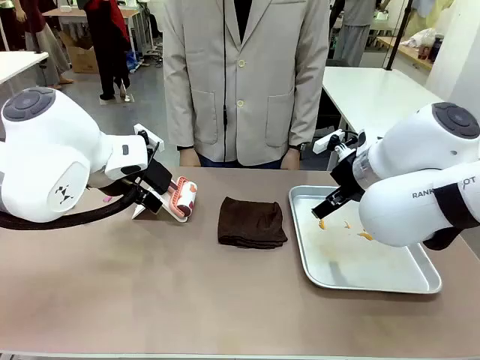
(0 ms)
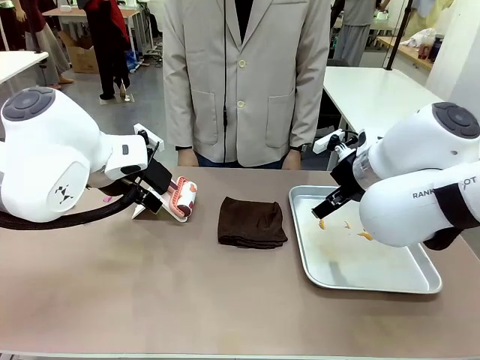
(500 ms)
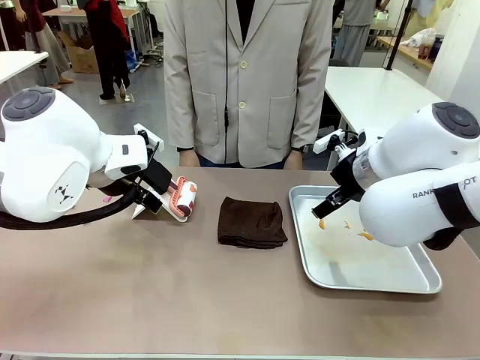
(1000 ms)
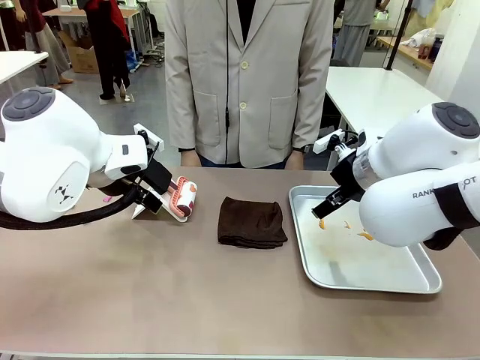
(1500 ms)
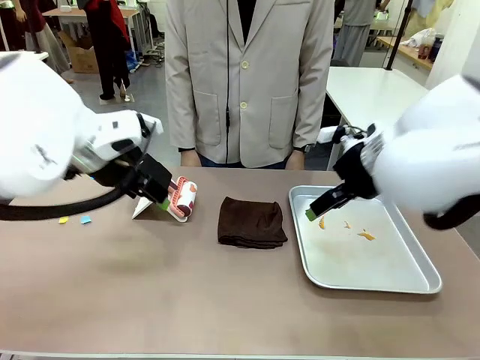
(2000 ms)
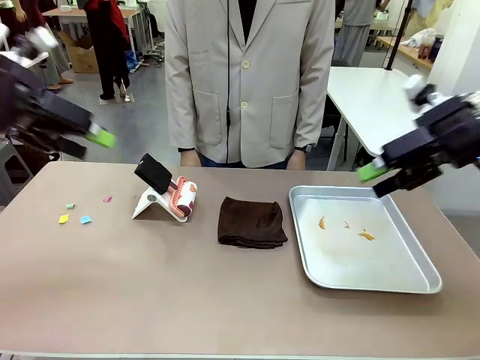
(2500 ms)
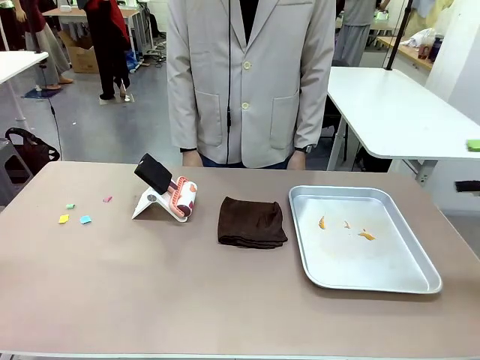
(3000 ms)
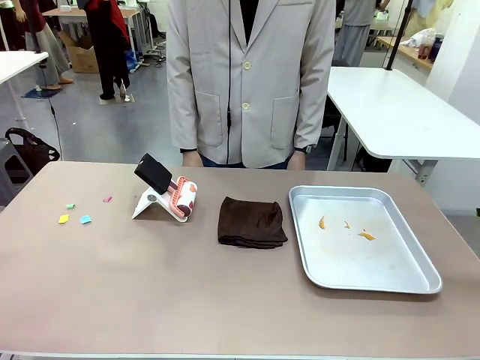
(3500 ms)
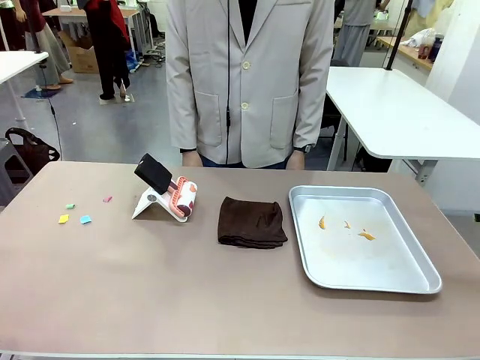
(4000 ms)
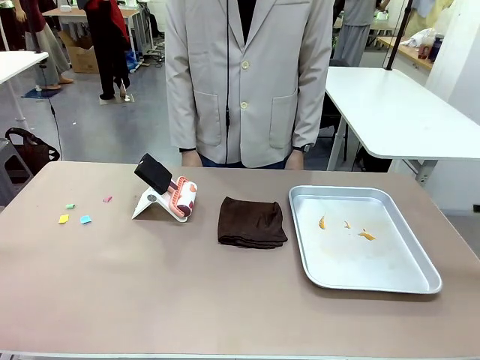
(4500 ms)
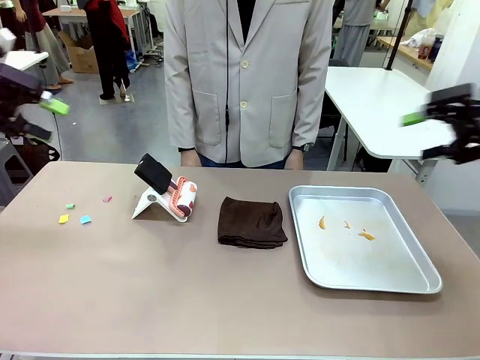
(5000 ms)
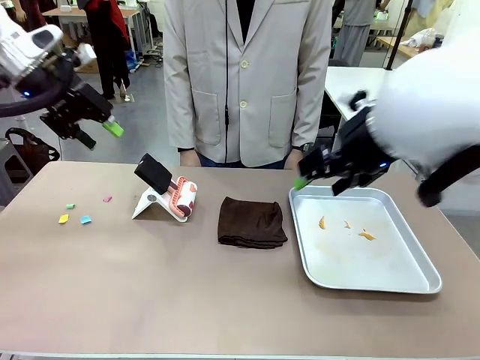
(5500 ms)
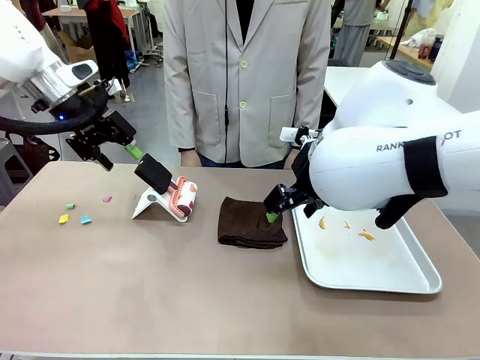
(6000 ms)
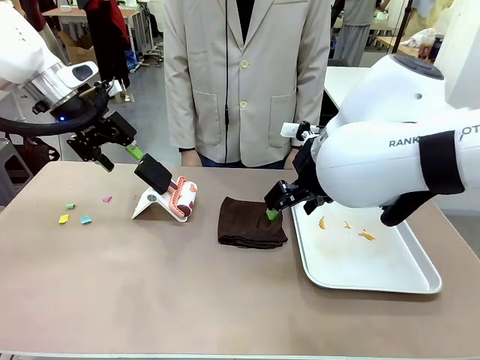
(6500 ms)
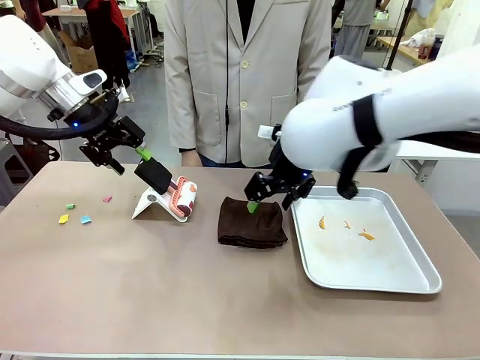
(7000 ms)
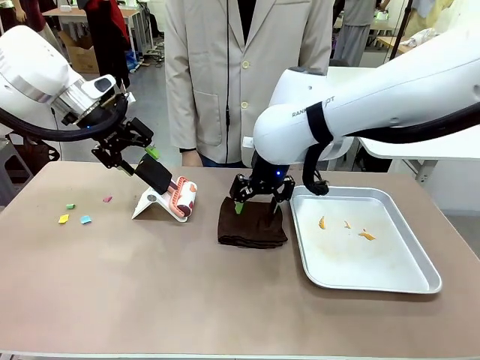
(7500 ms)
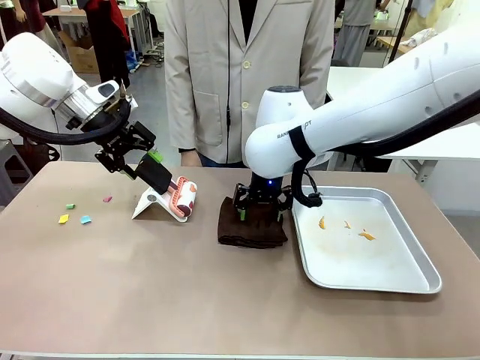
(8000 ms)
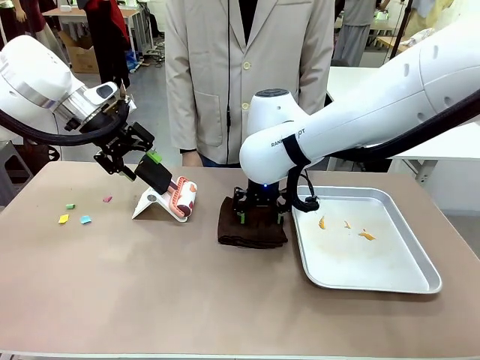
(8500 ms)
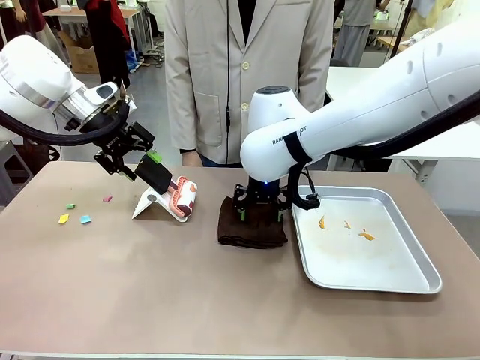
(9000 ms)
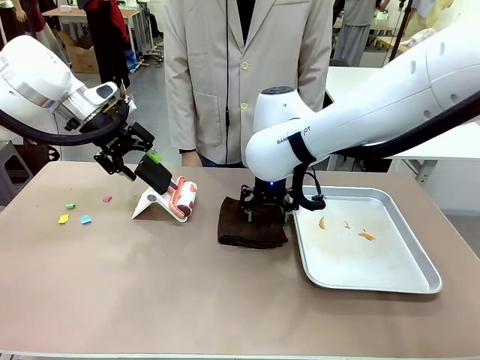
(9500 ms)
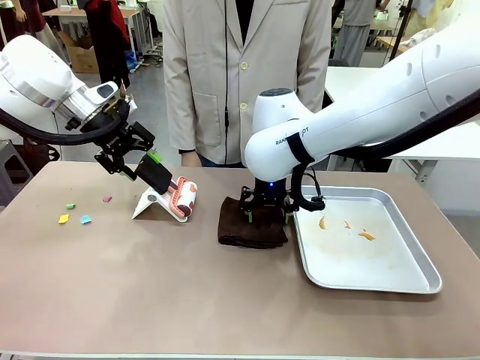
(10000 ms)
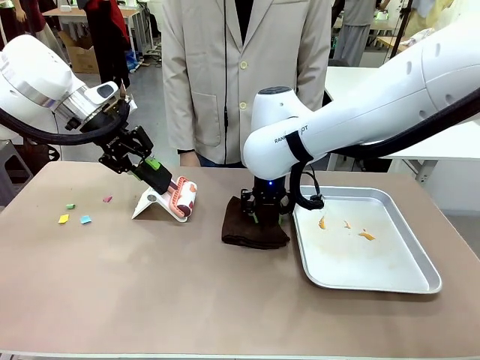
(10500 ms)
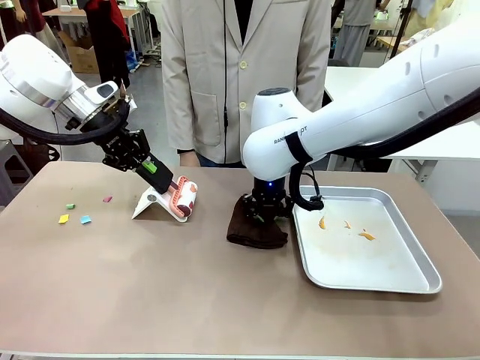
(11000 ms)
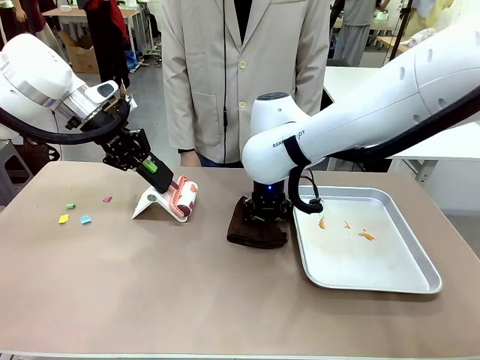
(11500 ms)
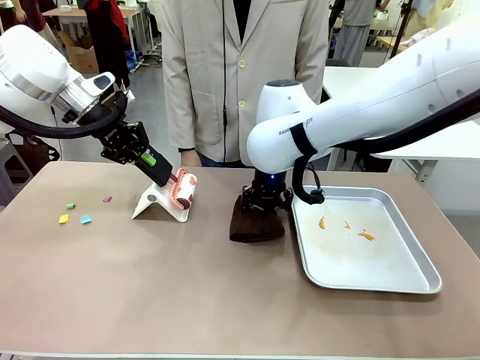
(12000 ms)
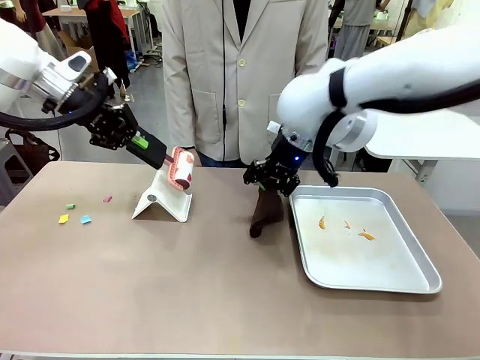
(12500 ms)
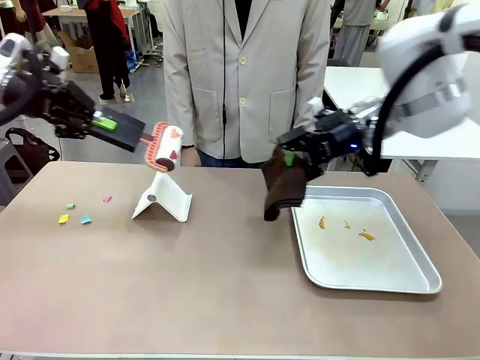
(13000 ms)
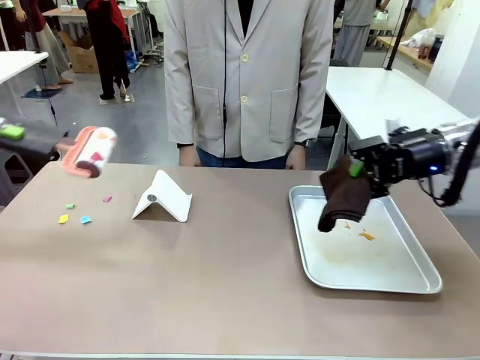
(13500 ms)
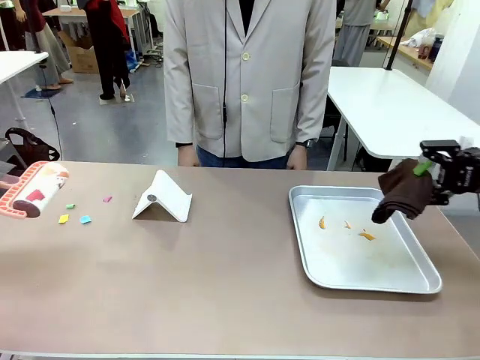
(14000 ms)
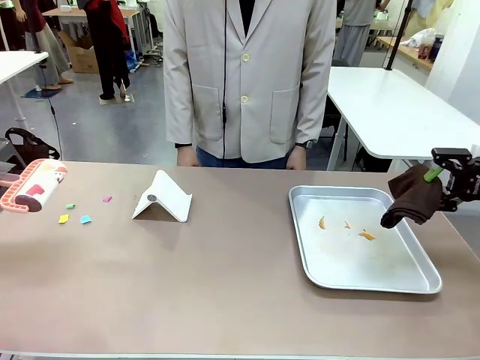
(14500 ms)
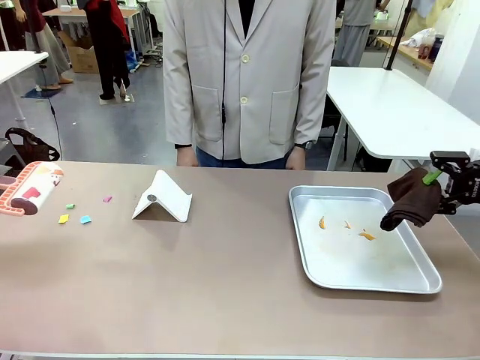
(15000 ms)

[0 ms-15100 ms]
Task: Clean the surface of the table.
Robot: Hold the Lint Roller with your left hand and the towel with your right hand.

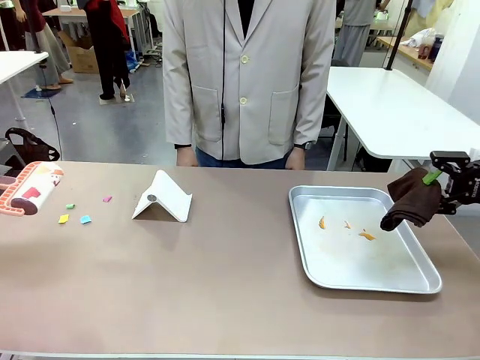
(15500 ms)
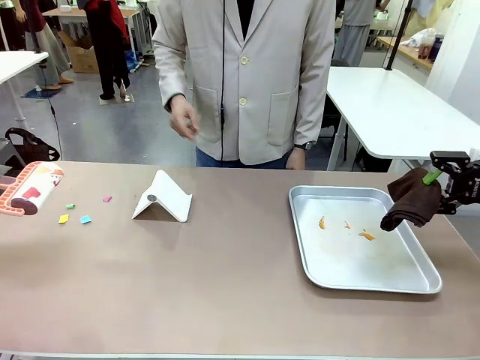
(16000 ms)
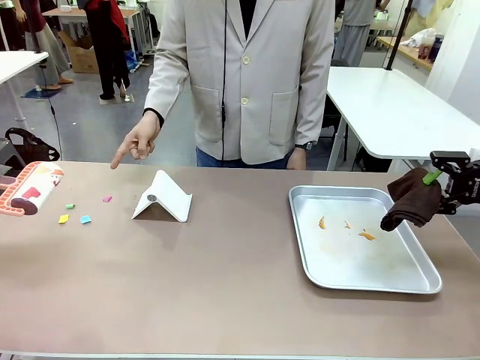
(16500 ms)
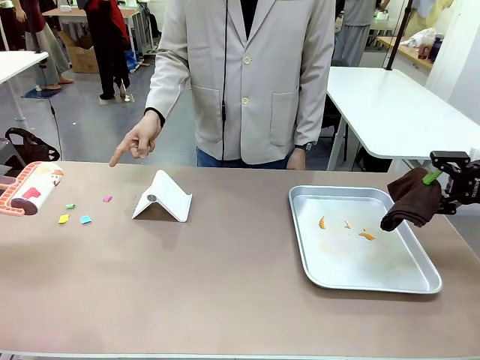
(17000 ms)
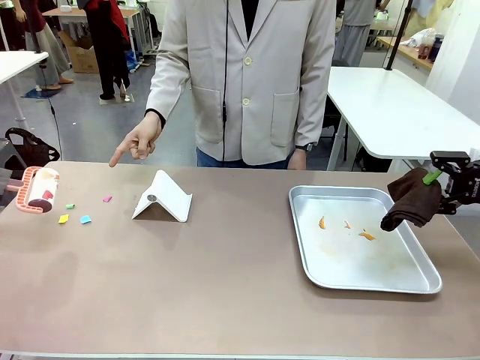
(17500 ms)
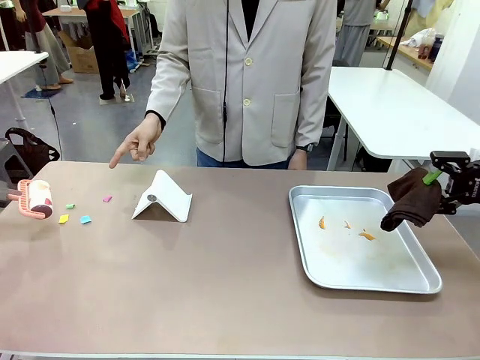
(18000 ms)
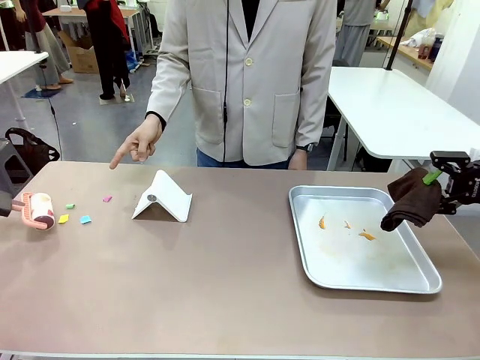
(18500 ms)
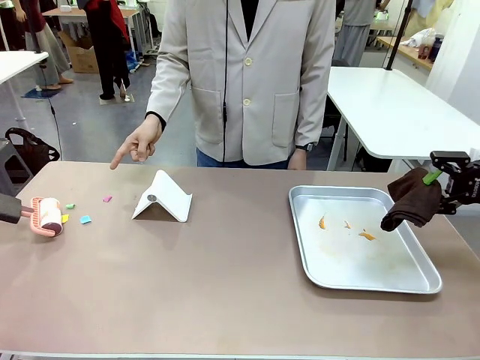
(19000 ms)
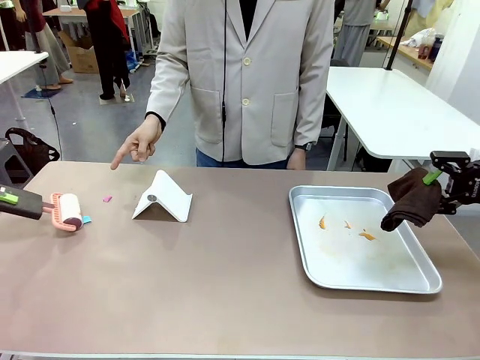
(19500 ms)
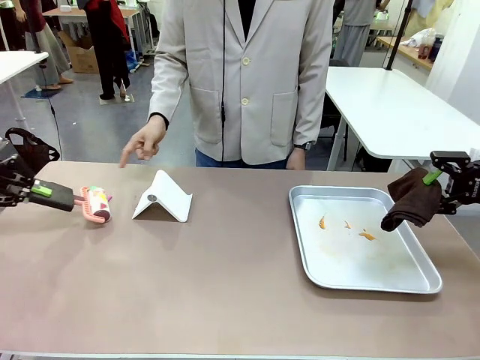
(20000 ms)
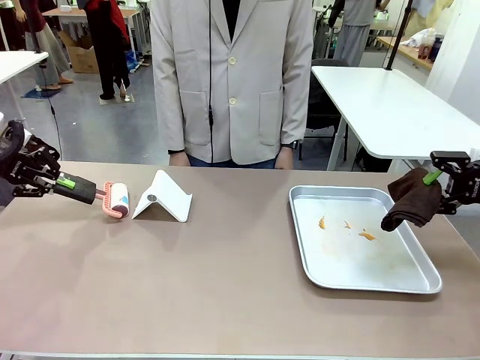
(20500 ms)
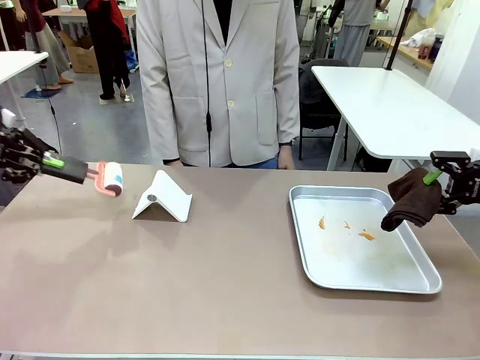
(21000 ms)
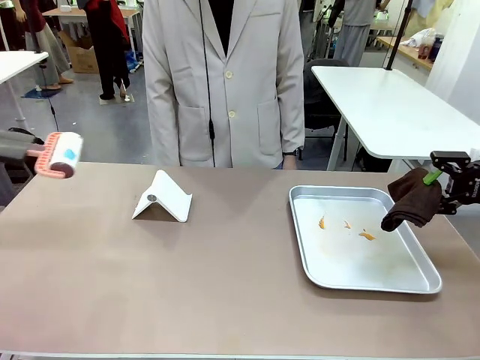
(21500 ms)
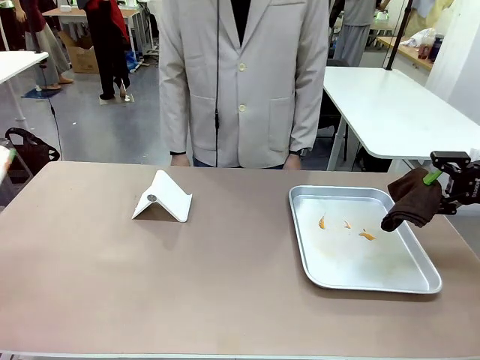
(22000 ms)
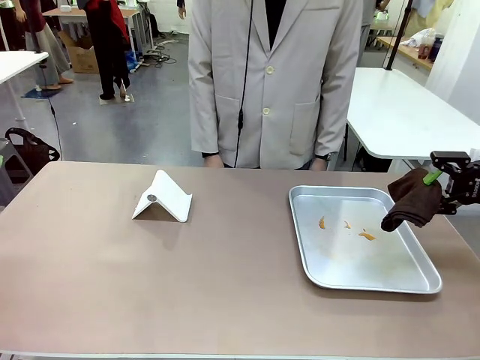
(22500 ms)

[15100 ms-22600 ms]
Robot: If a person points to the right, clean the right side of the table with your right hand, and if they point to the left, clean the left side with your left hand.

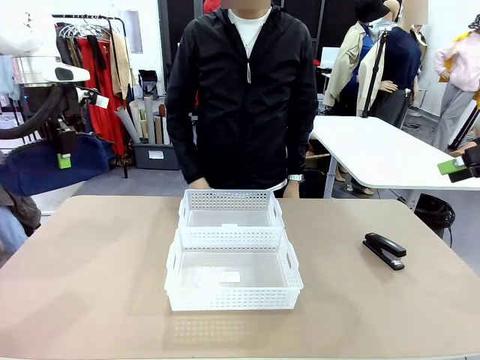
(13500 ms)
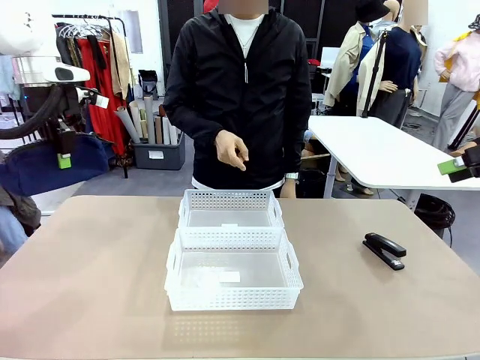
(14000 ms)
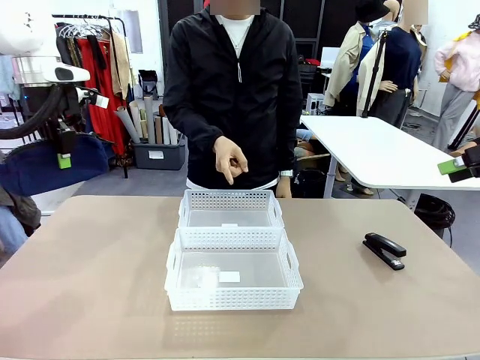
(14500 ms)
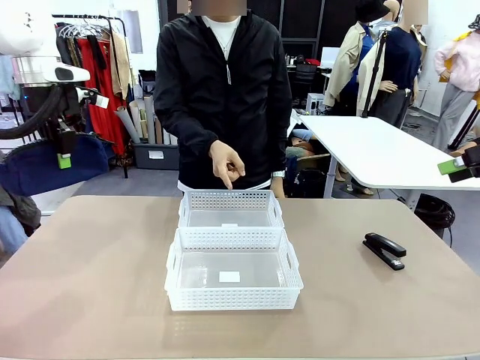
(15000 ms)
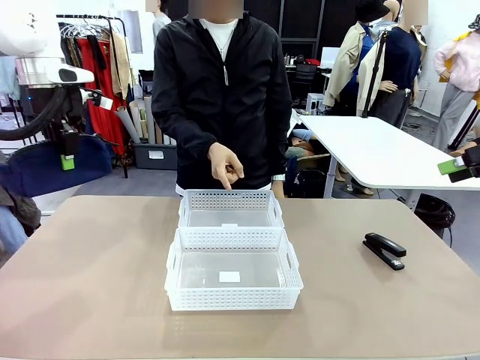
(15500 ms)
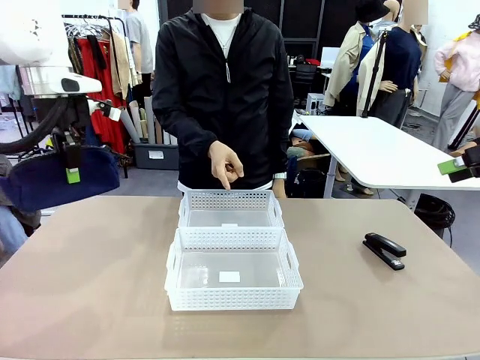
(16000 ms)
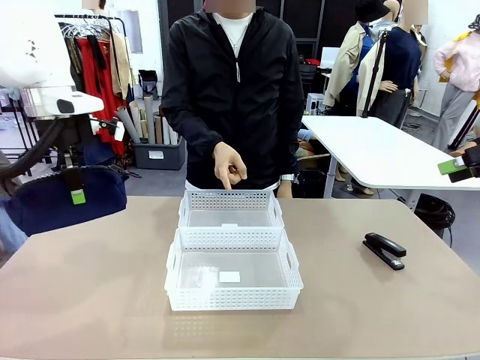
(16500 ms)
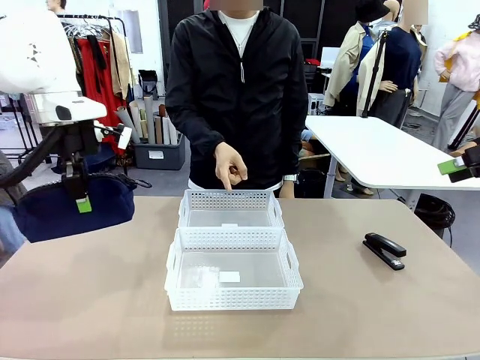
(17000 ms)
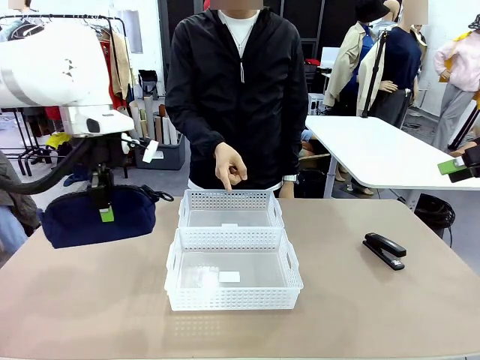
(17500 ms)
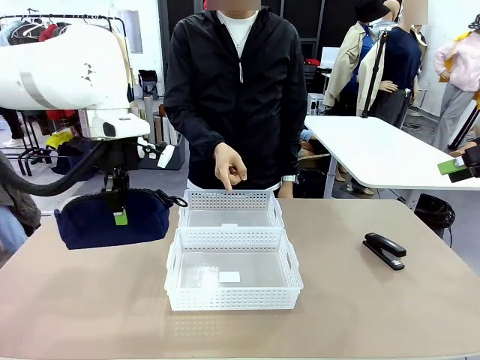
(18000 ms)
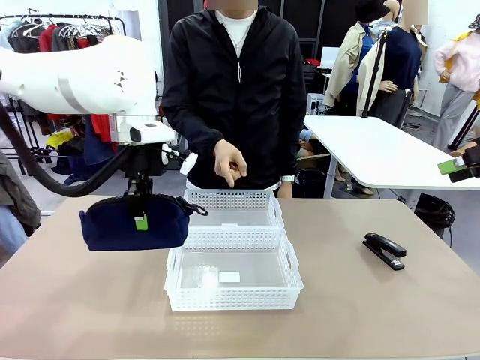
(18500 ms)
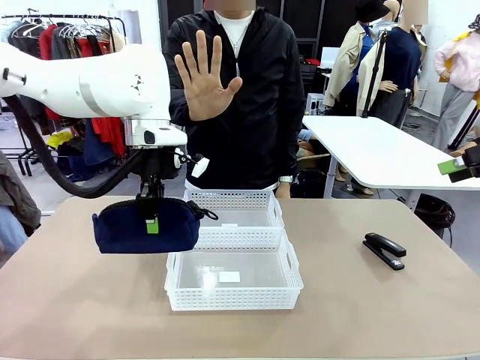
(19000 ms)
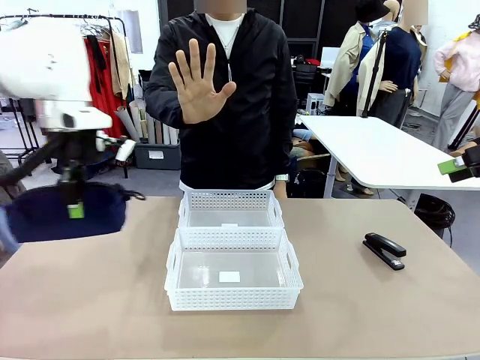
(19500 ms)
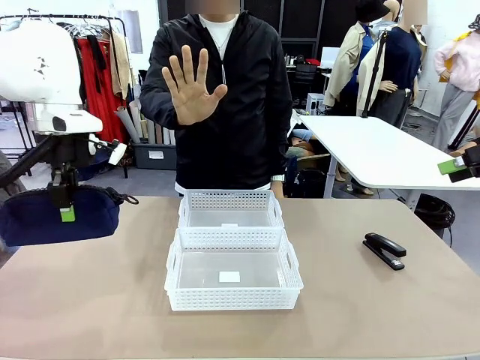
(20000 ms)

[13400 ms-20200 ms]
Task: Distribute items into two baskets.
Robot: Move the picked Pencil pouch towards the Organizing basket indicated by the person, stopping as directed.
Person: Sends a stop gesture before the robot places the pencil case into the basket.
